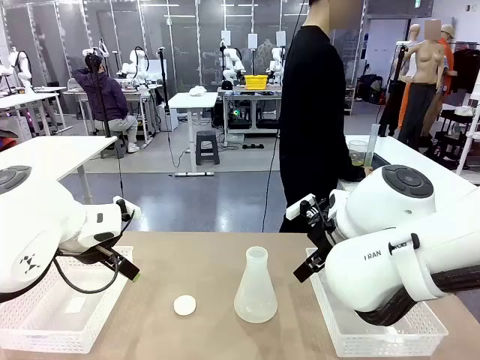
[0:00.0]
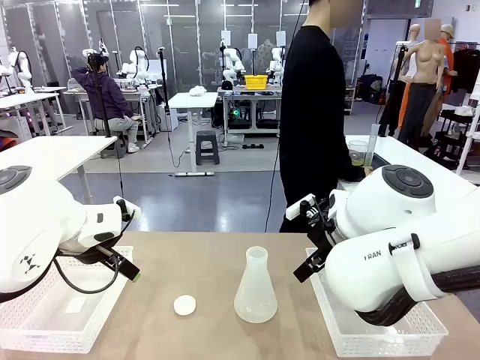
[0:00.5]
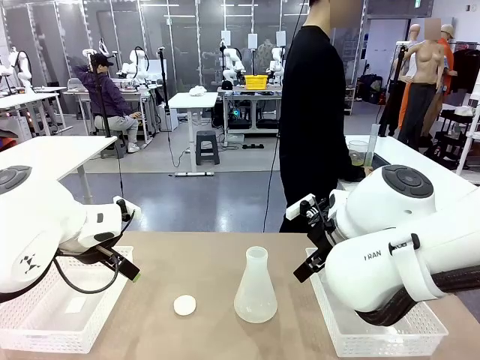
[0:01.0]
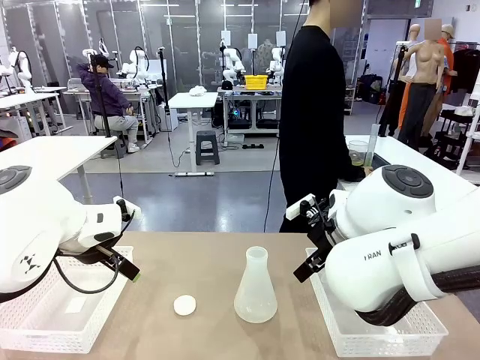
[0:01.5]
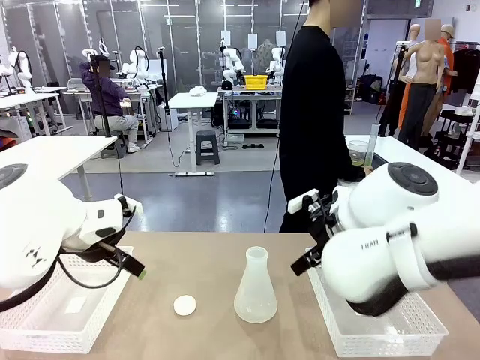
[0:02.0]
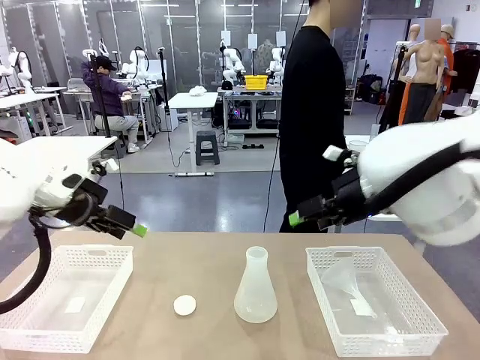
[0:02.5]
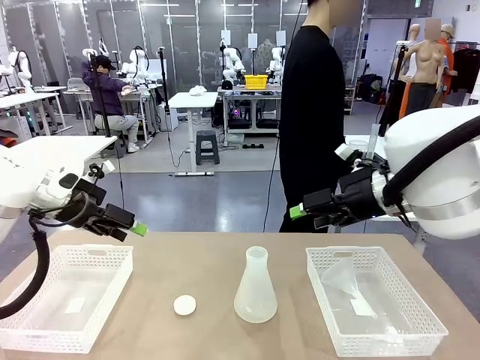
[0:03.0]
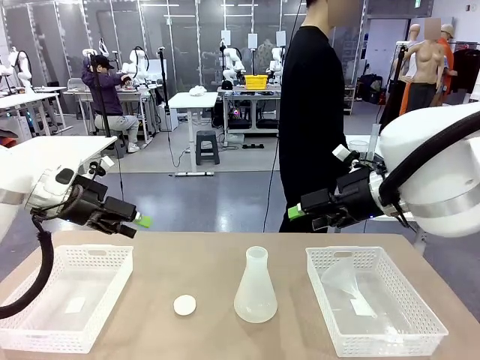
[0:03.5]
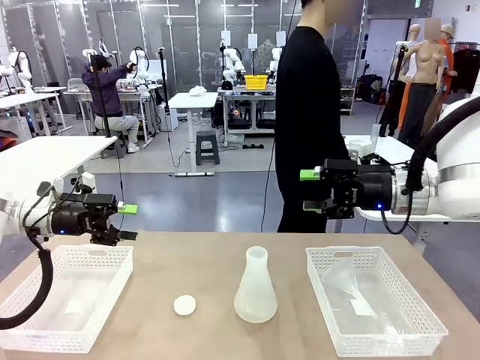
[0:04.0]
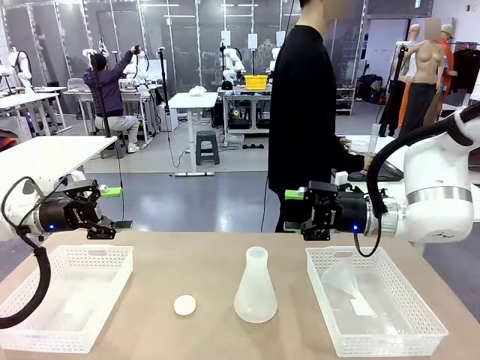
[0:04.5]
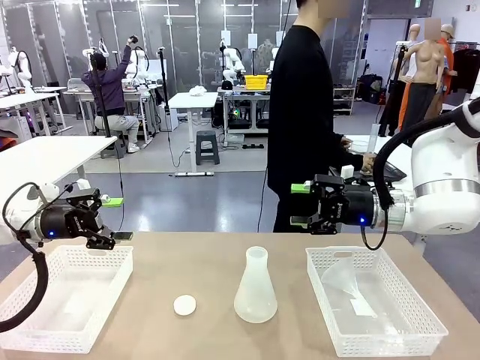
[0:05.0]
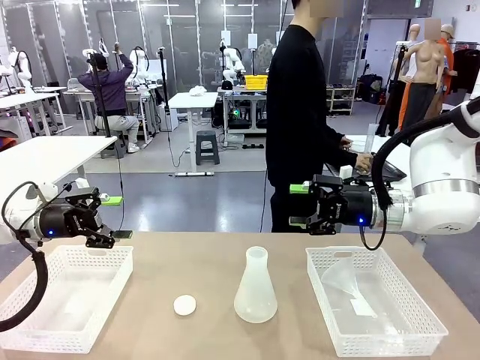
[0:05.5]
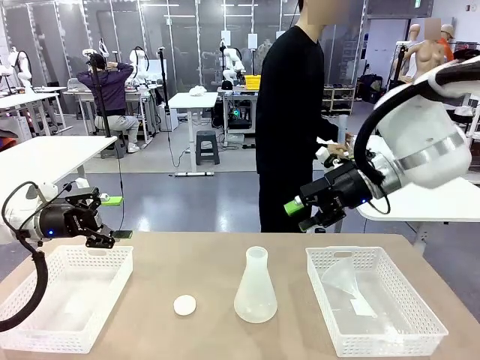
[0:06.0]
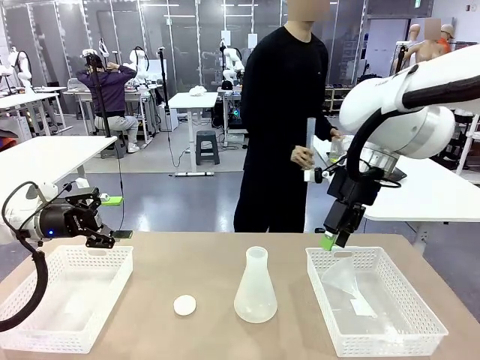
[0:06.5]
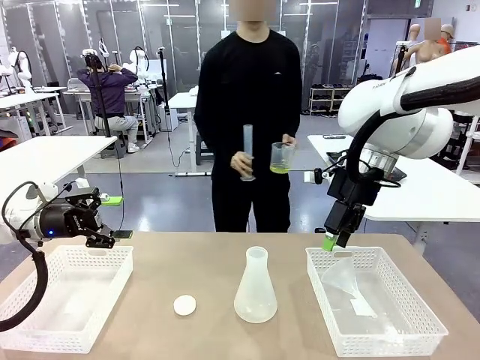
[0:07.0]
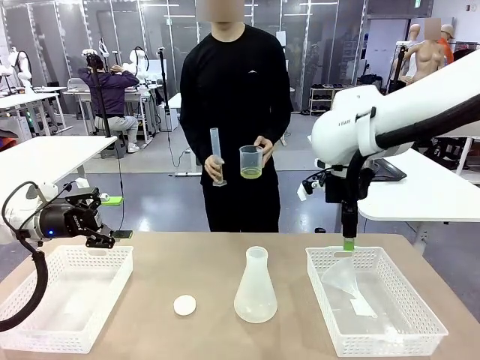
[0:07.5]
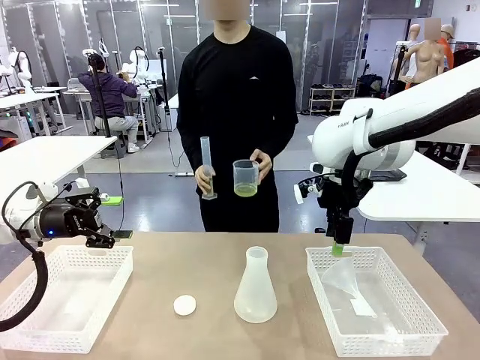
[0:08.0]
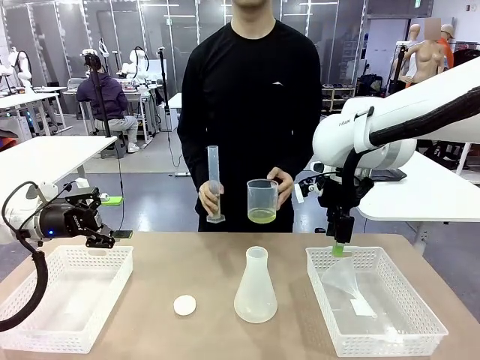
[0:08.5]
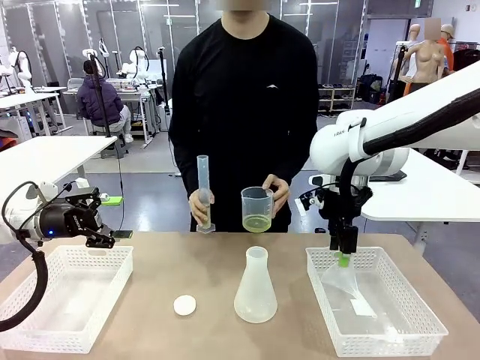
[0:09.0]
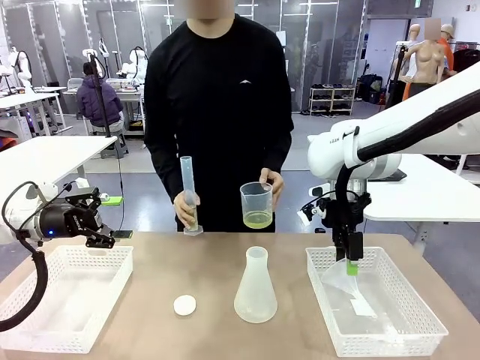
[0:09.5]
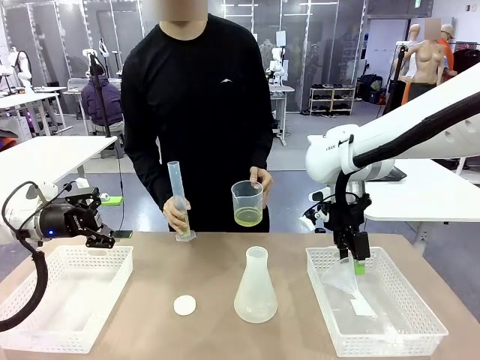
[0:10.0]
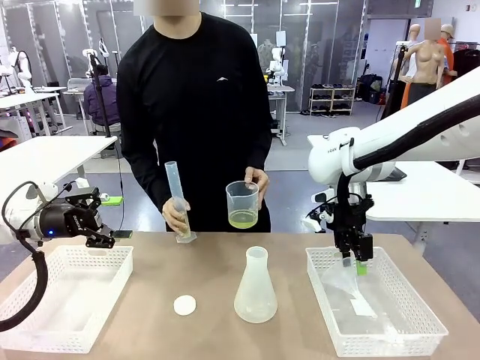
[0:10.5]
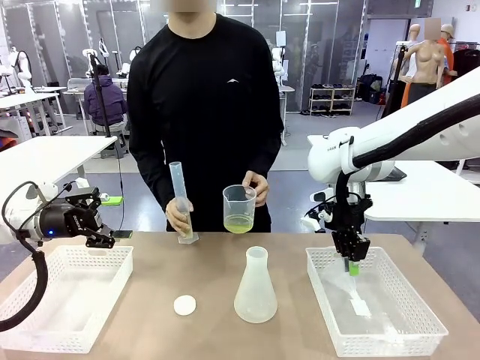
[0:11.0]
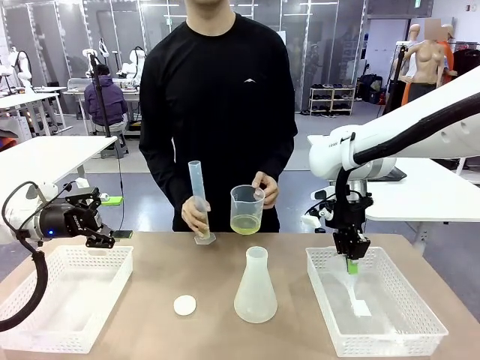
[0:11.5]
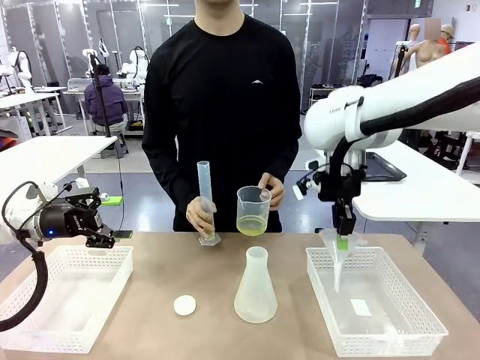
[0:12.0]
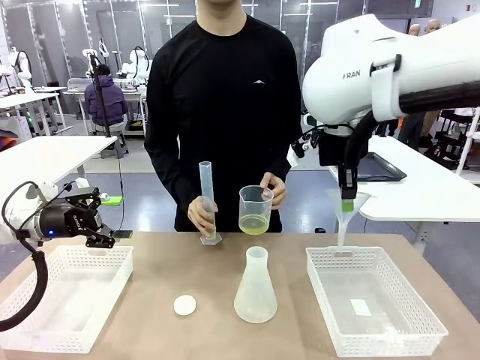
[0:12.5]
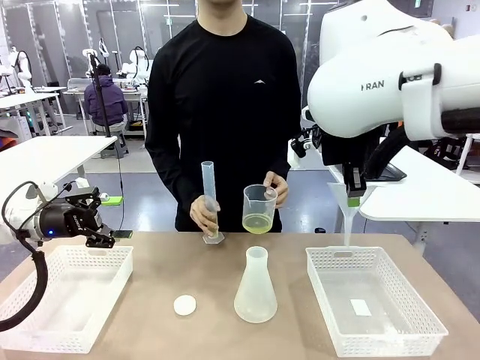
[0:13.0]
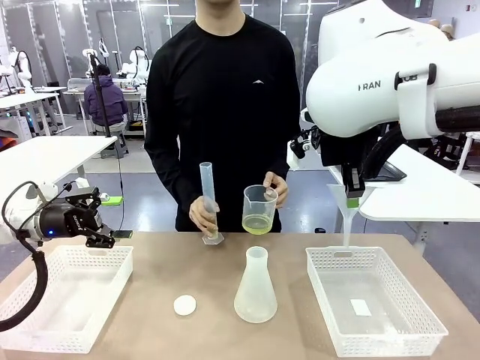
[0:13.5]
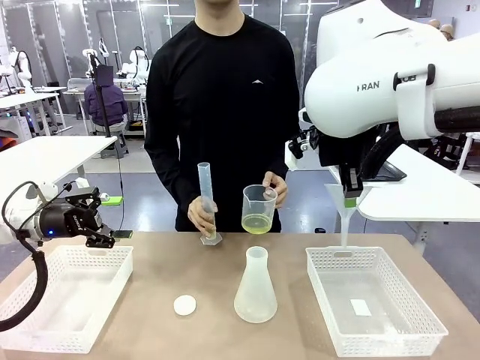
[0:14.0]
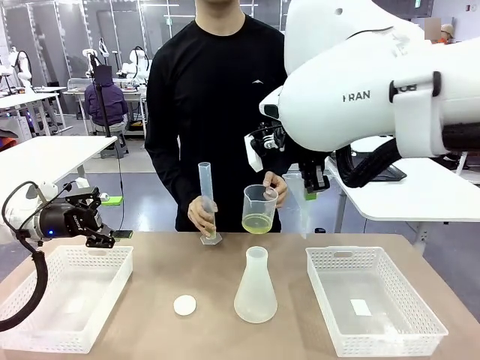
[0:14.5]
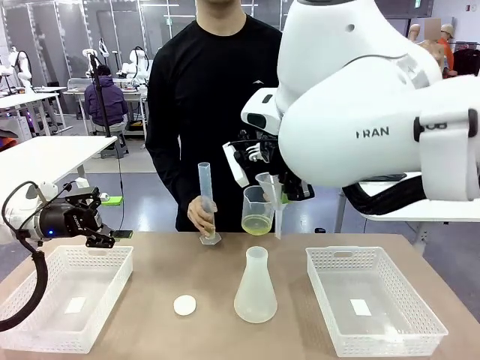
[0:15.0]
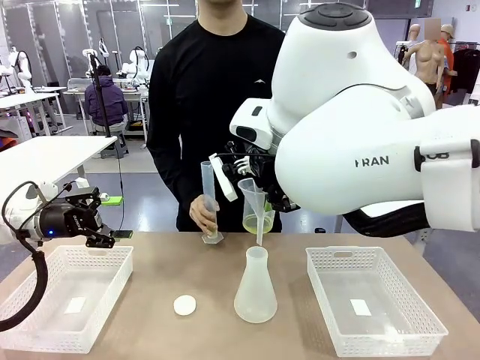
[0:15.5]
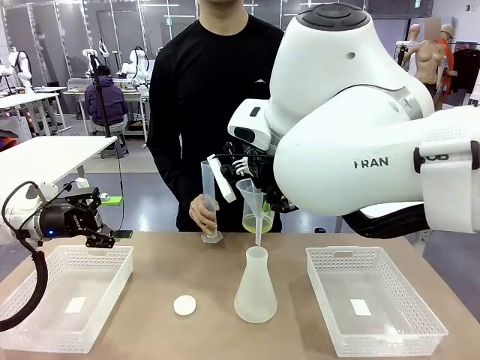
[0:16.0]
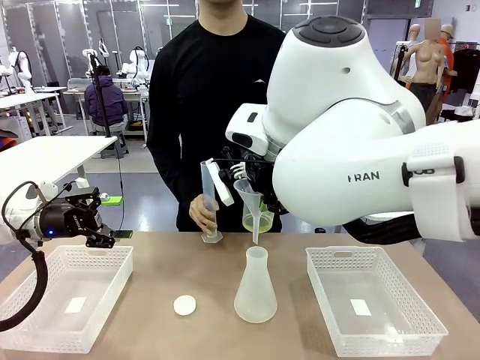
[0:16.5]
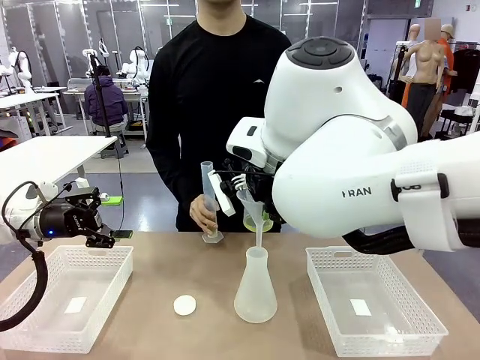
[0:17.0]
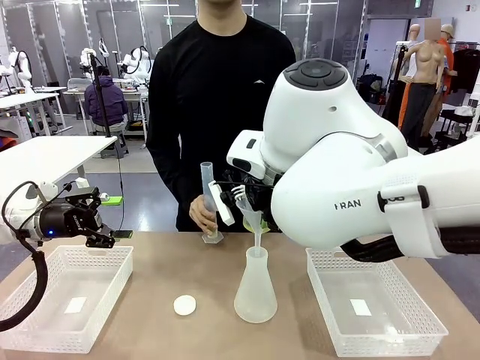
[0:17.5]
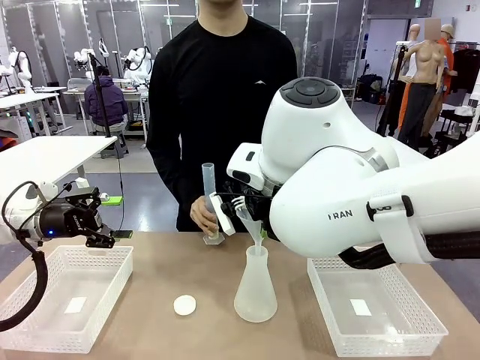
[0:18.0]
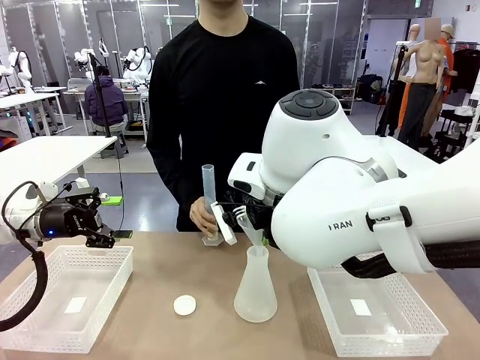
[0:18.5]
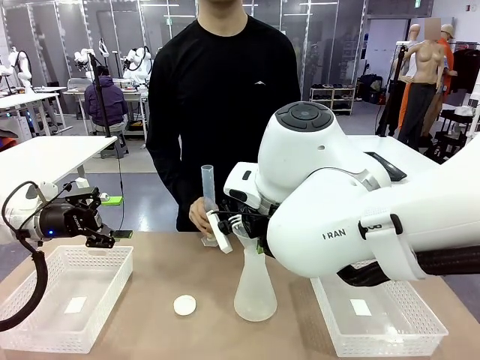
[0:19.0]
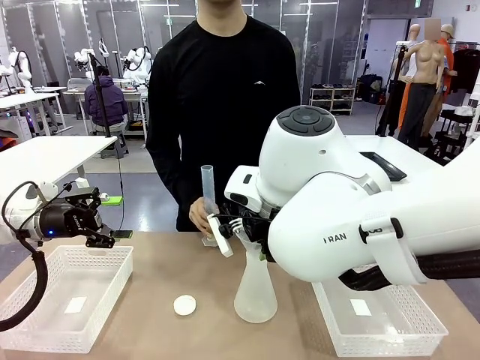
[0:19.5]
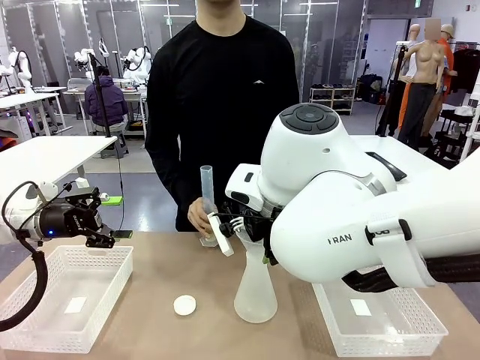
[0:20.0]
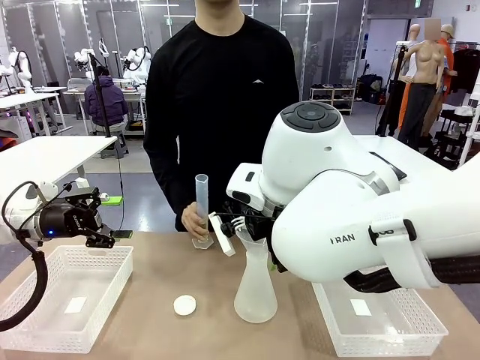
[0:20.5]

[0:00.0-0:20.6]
Task: Prepare the solutions needed for the experiment.
Robot: Pick up the Plastic Funnel and insert it into the Big flask.
Person: Pick up the beaker and the cylinder and move to the middle of the robot table. Pour the solution from the beaker and the cylinder into the flask.
